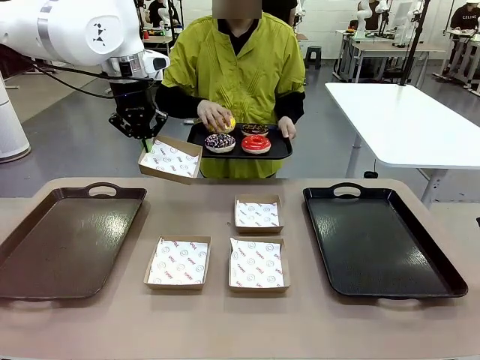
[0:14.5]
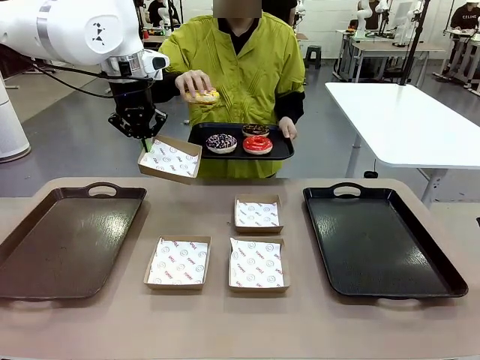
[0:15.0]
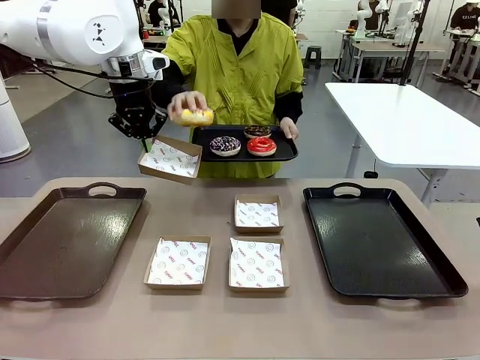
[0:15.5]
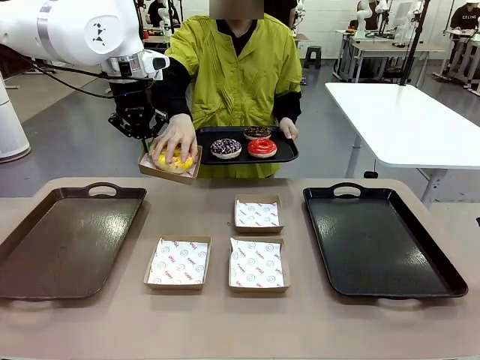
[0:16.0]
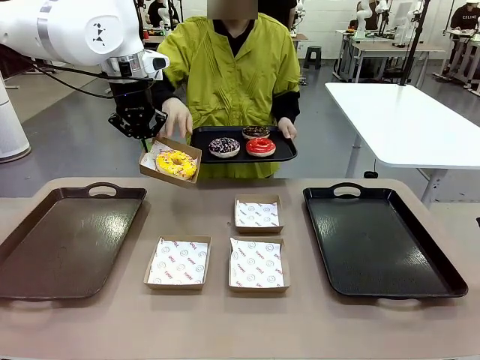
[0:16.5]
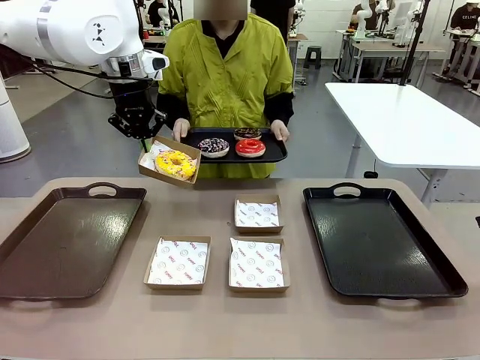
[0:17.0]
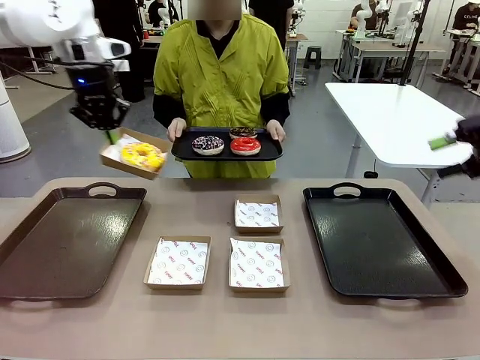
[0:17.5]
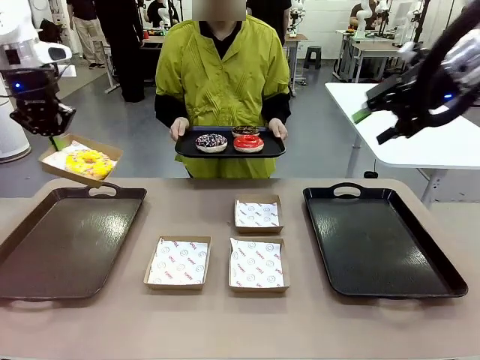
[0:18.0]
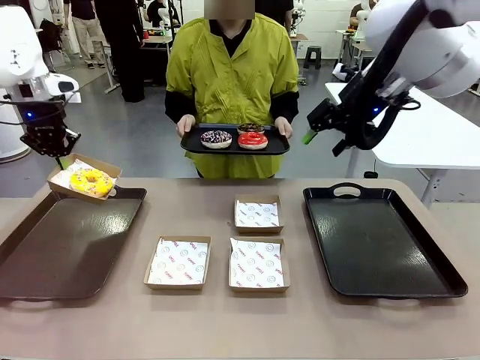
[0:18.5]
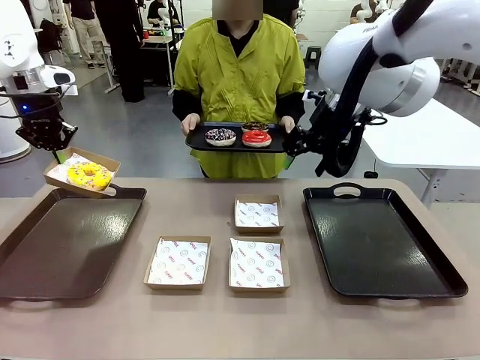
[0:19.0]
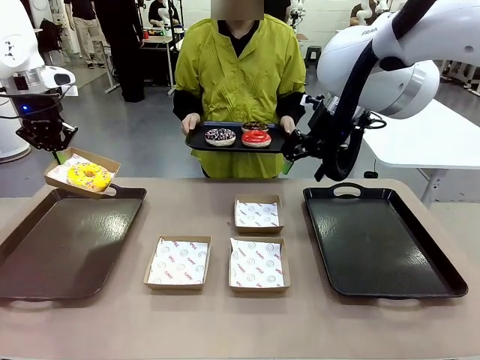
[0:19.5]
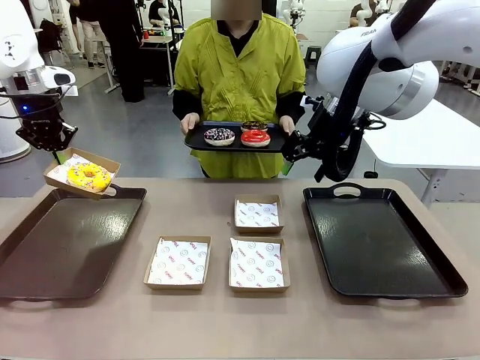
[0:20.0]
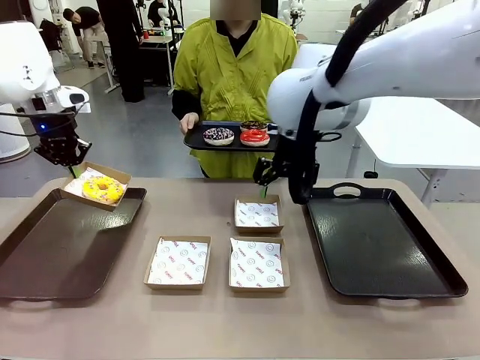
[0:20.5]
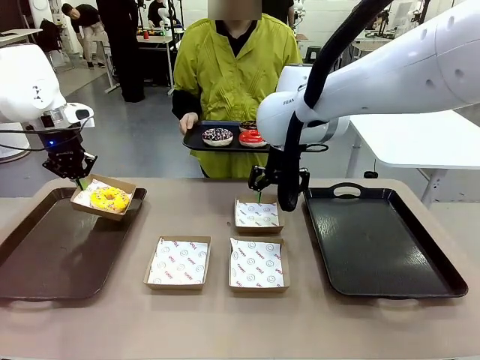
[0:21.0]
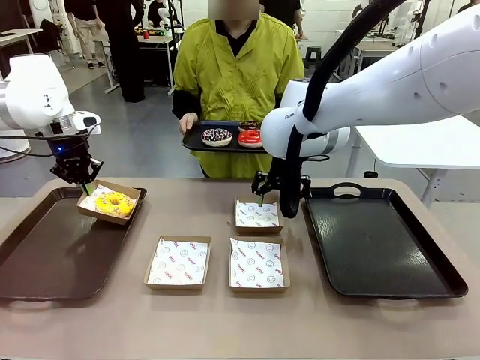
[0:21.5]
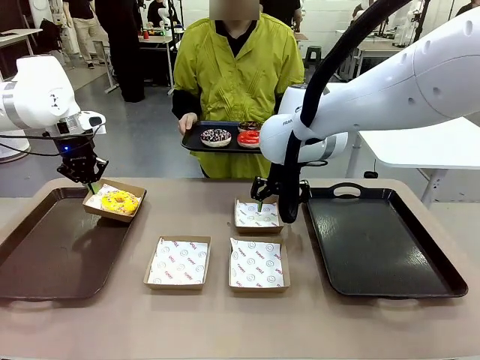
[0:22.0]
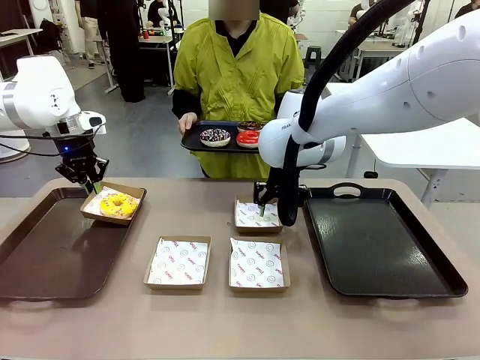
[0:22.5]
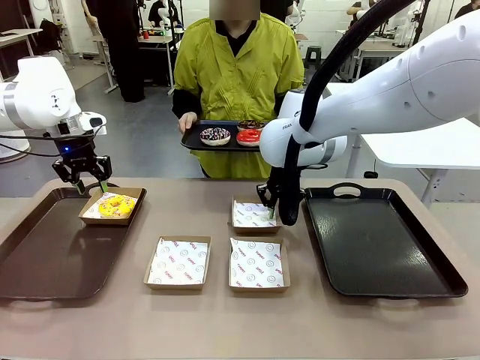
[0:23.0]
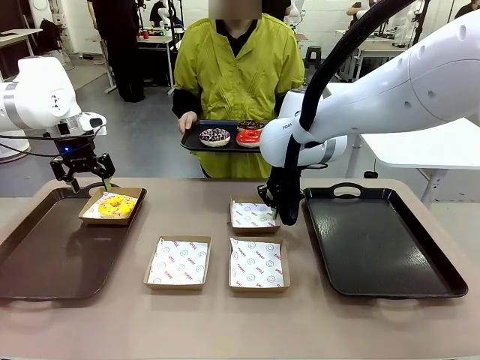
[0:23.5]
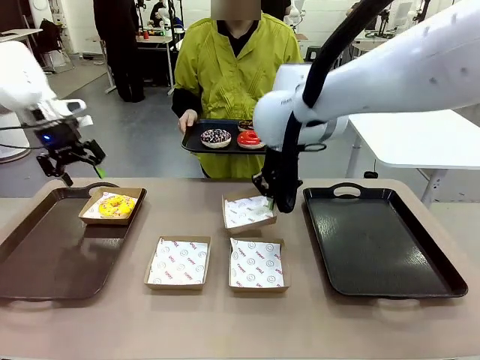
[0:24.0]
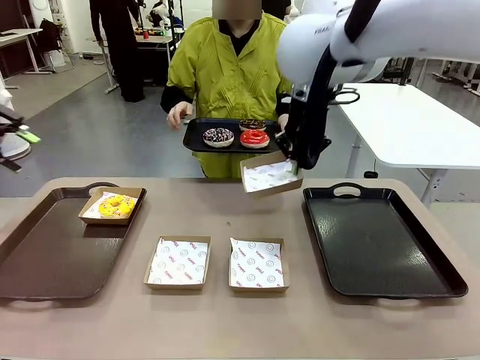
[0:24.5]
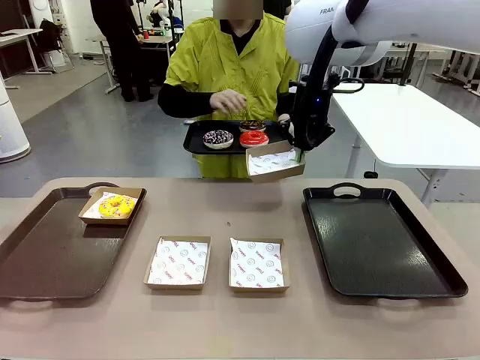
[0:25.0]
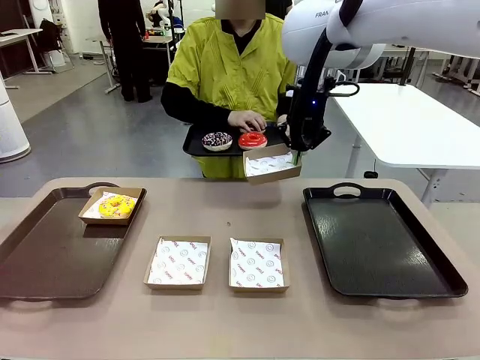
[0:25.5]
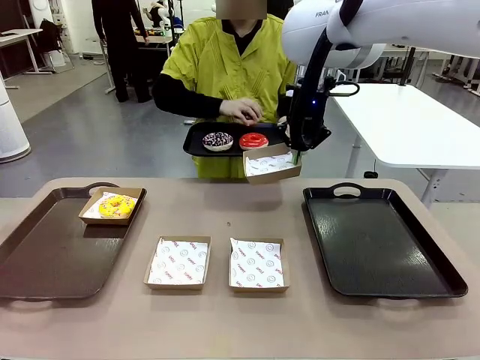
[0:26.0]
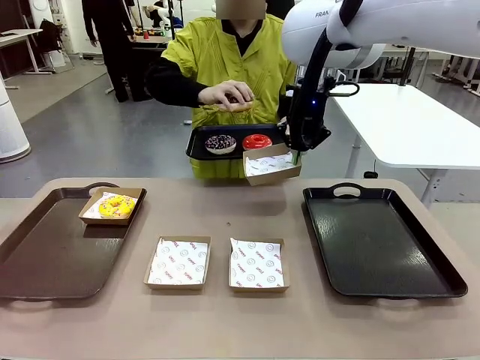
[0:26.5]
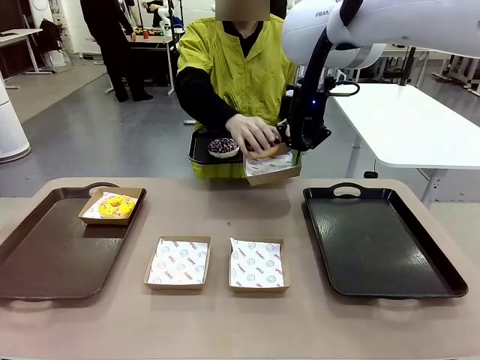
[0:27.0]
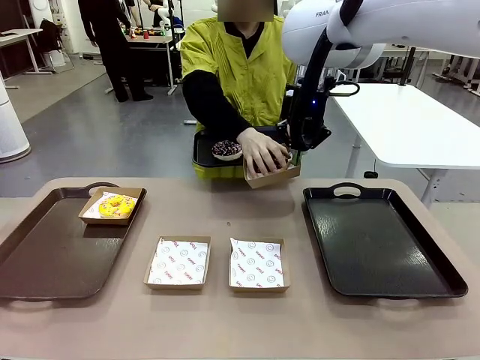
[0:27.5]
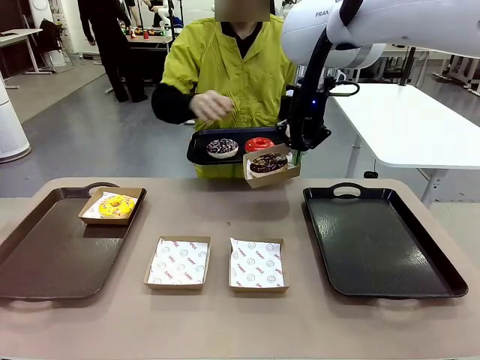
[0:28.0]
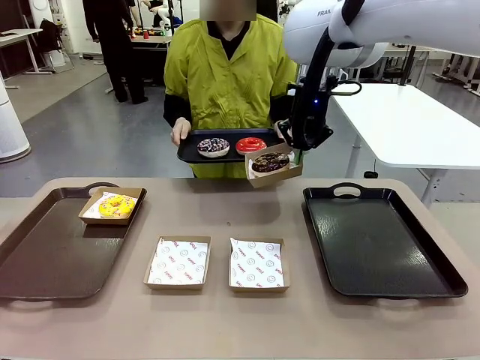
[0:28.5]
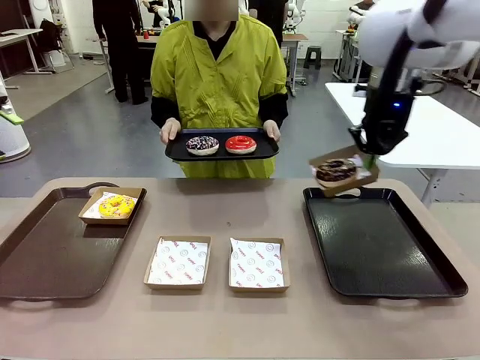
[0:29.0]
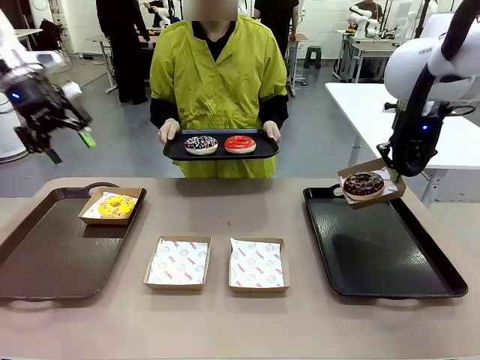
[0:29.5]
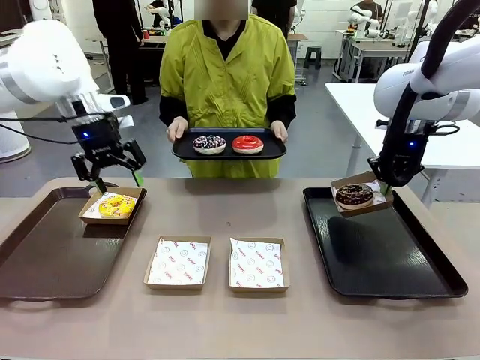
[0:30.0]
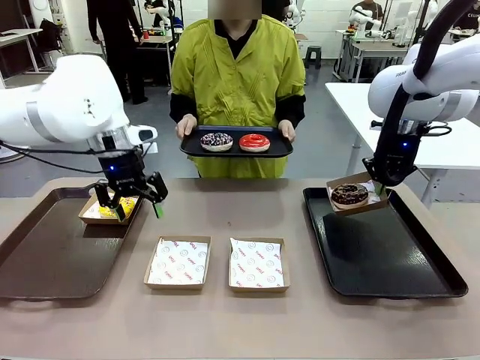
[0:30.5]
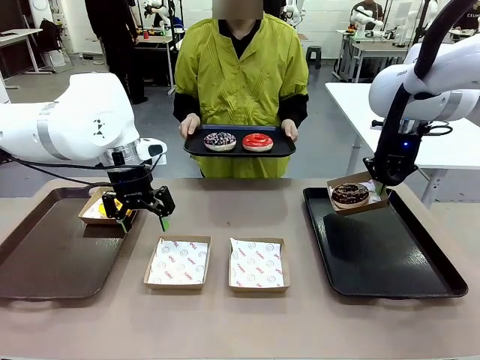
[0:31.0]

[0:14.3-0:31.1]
Task: Individually package the donuts and arrange them on the tray.
Robot: Place the picked Paper togo box on the Handle tray while simultaneously picking up another Paper togo box from the table with the other hand.

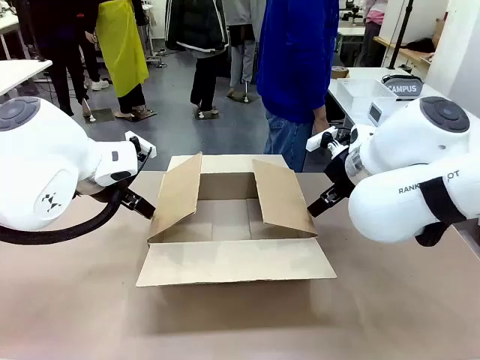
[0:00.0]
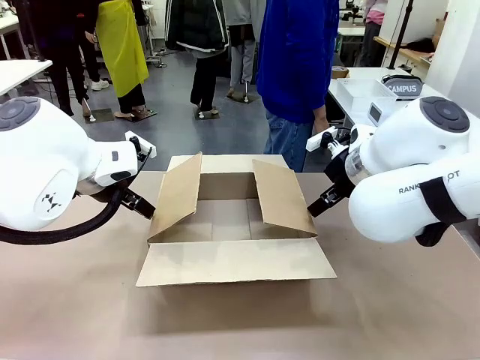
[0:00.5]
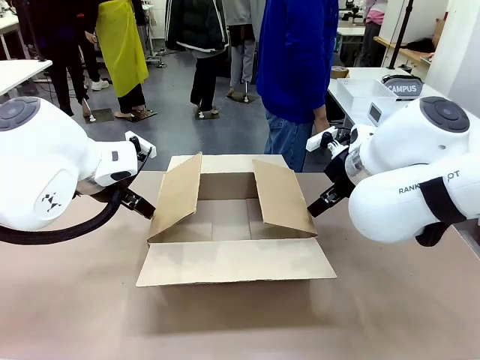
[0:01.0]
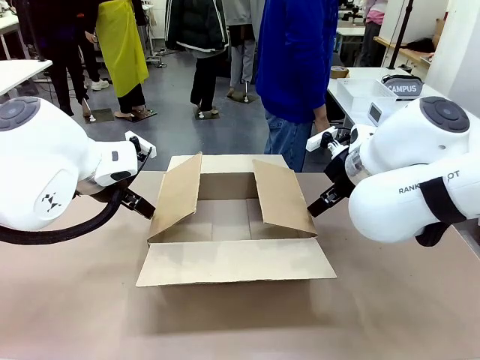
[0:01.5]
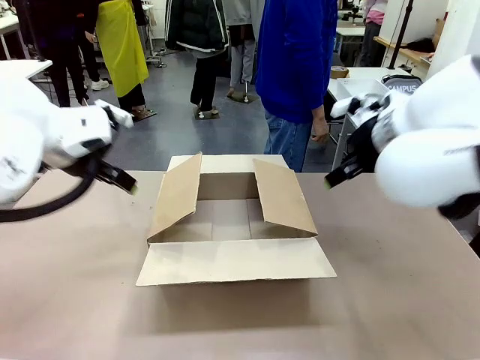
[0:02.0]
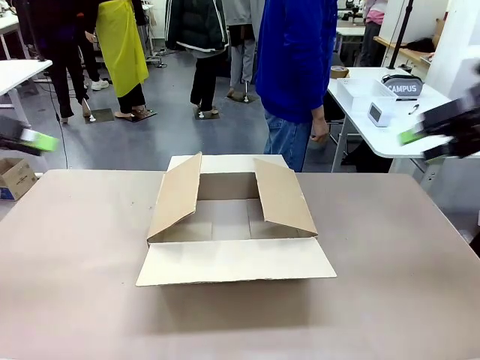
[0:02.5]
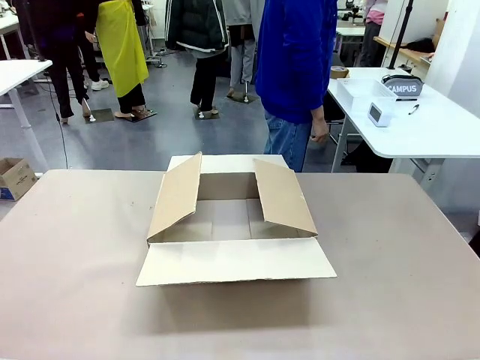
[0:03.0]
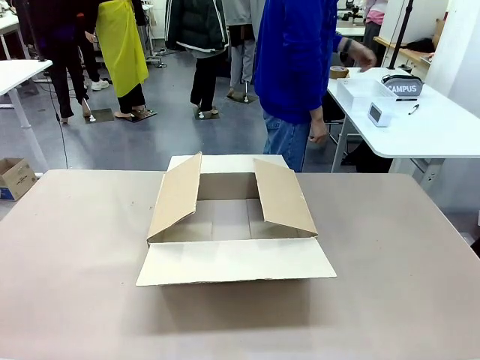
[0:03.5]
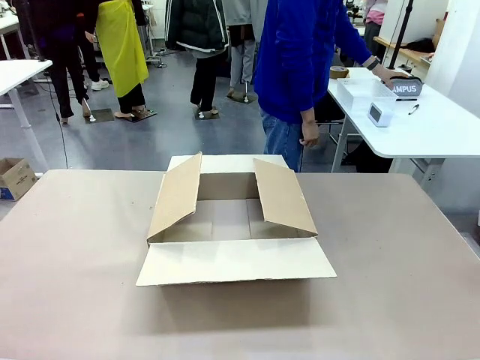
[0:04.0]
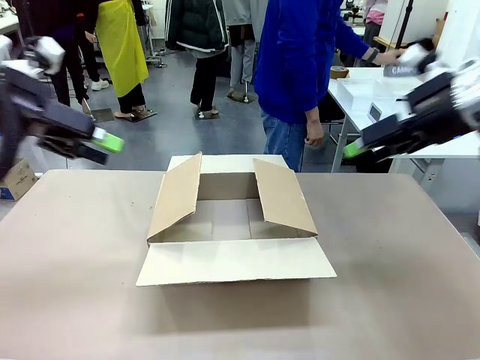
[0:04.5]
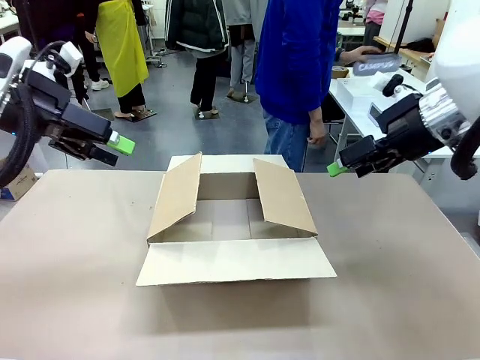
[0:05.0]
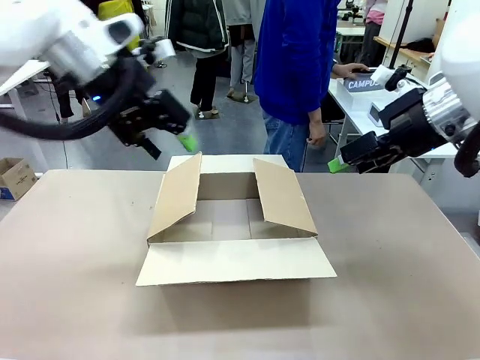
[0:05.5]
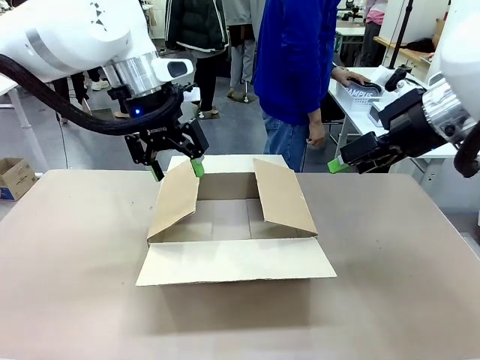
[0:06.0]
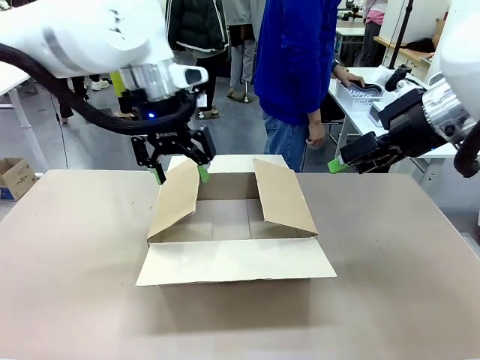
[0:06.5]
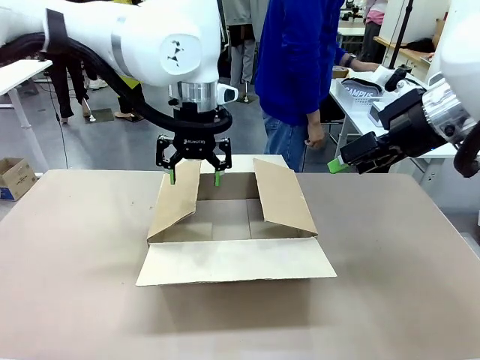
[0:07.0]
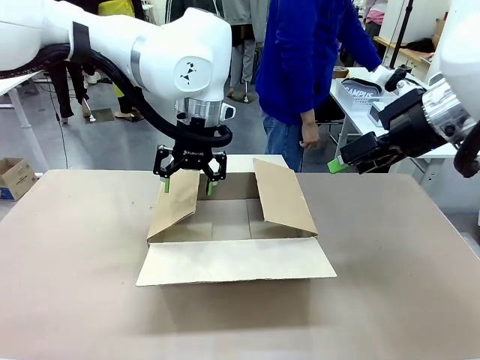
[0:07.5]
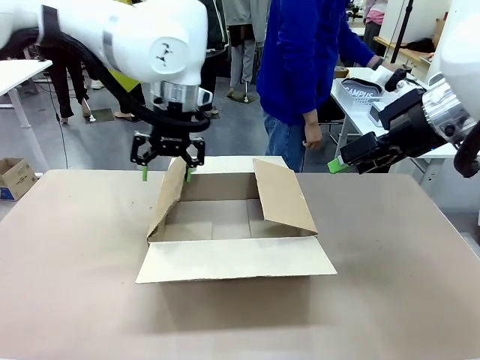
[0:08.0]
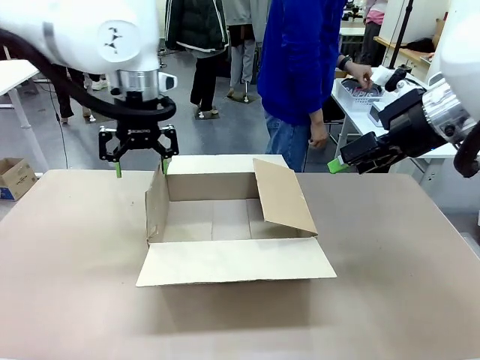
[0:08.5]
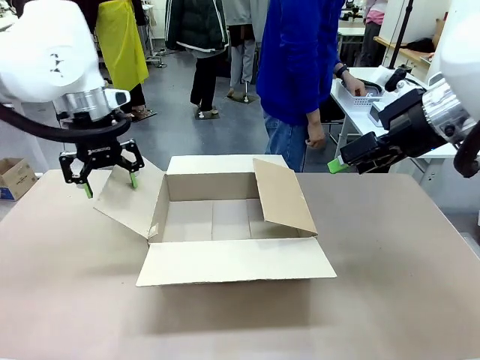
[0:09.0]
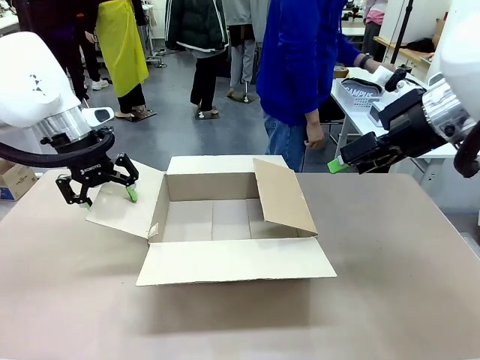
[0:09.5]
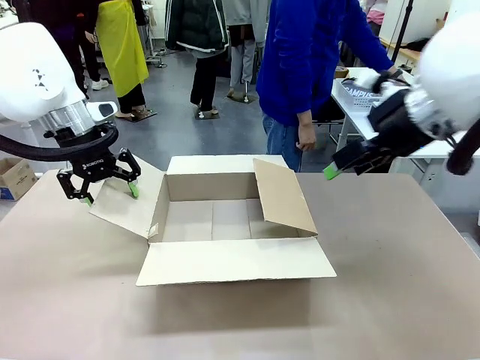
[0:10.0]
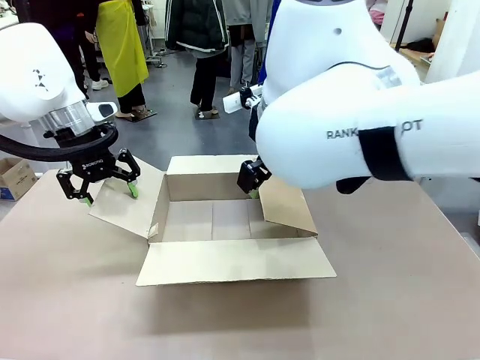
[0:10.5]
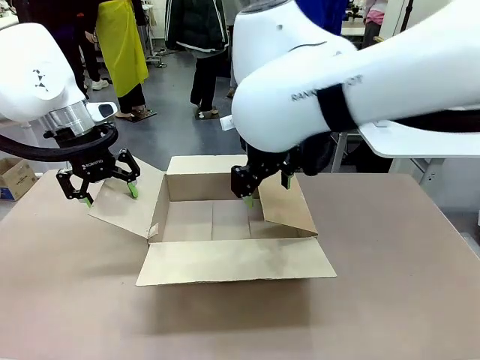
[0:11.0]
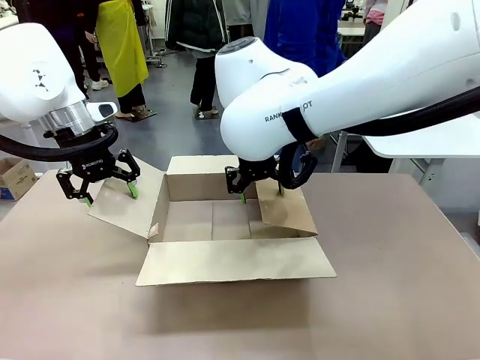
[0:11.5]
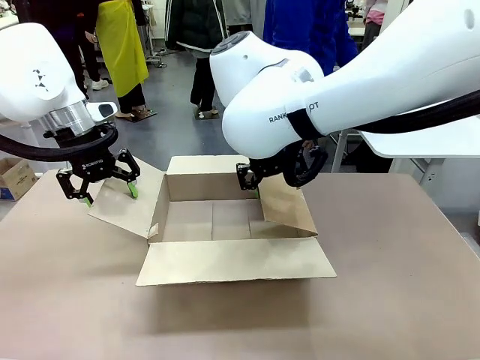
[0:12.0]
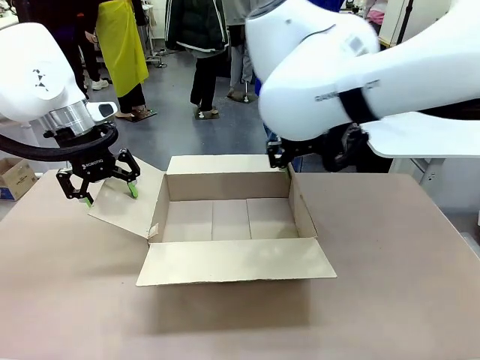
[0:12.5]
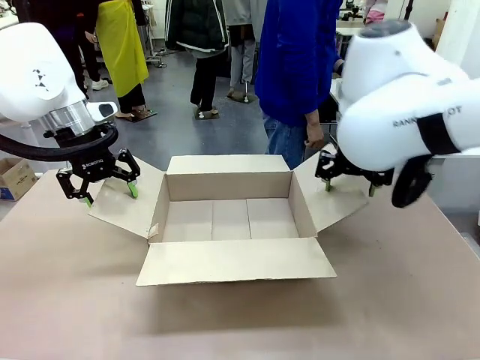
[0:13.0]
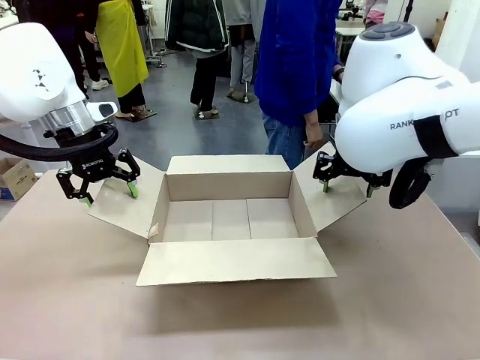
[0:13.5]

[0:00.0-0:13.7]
Task: Pack the gift set into the box.
Robot: Place both hands on the side flaps of the Package Box and spread them outward.
Person: The human places all items except the paper tape into the organizing basket.
